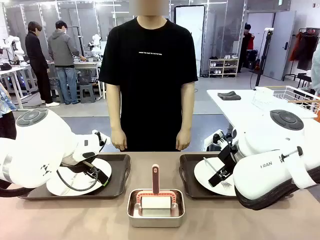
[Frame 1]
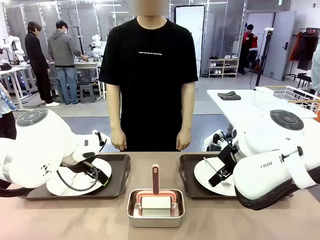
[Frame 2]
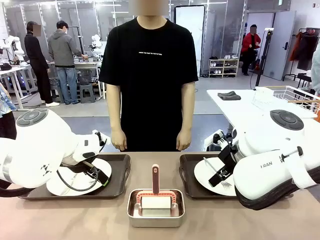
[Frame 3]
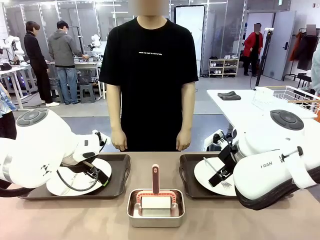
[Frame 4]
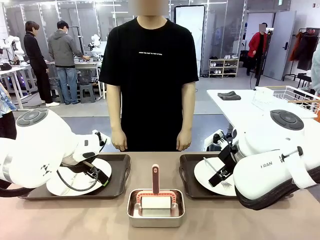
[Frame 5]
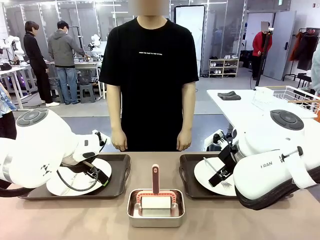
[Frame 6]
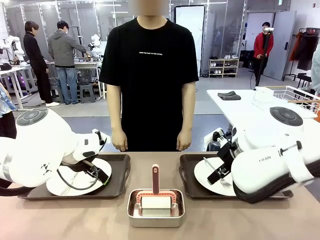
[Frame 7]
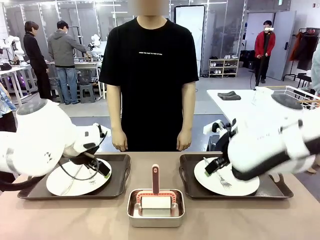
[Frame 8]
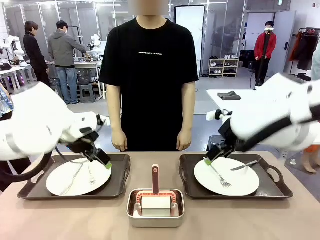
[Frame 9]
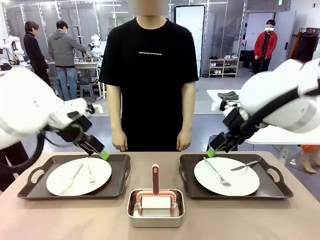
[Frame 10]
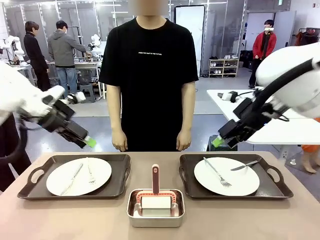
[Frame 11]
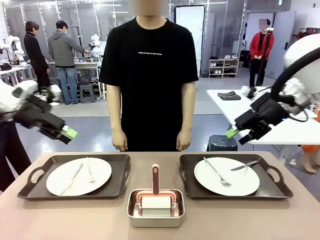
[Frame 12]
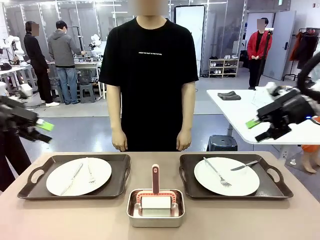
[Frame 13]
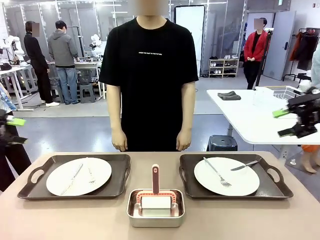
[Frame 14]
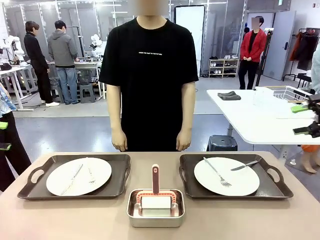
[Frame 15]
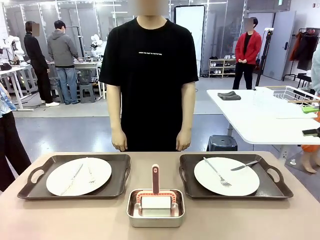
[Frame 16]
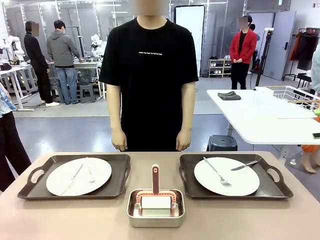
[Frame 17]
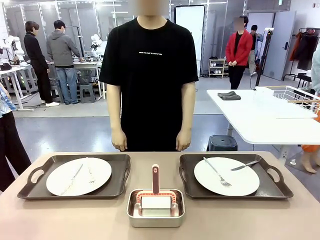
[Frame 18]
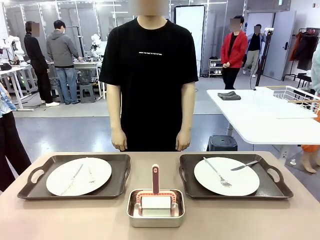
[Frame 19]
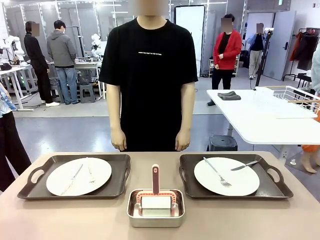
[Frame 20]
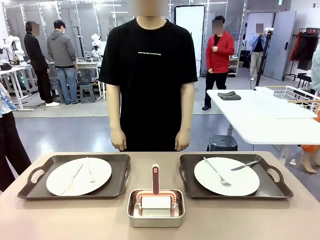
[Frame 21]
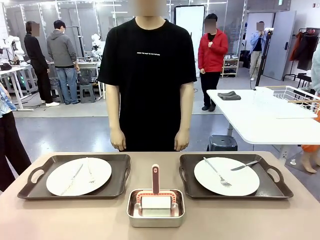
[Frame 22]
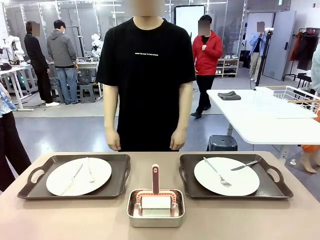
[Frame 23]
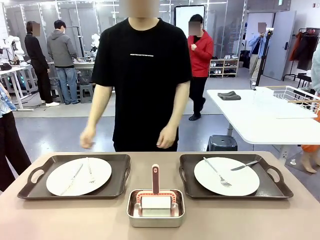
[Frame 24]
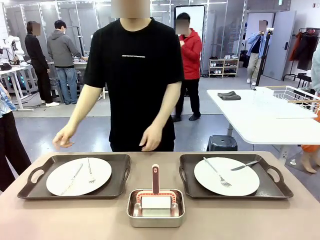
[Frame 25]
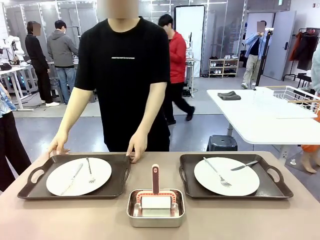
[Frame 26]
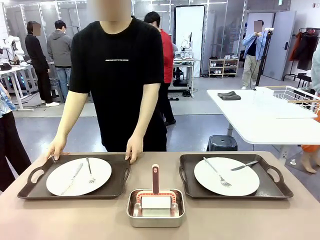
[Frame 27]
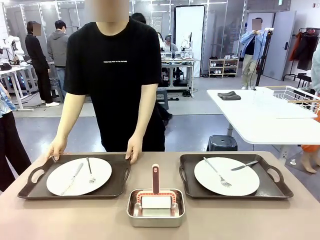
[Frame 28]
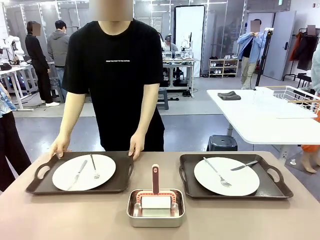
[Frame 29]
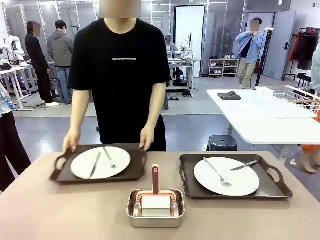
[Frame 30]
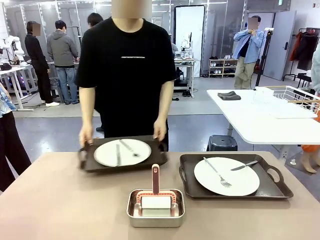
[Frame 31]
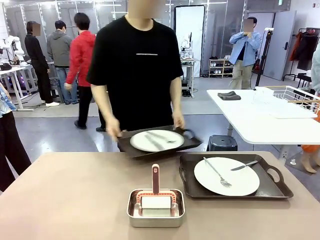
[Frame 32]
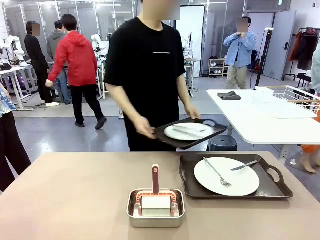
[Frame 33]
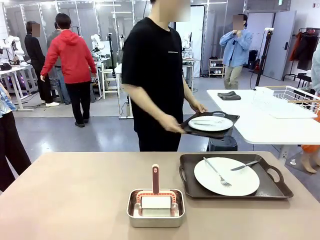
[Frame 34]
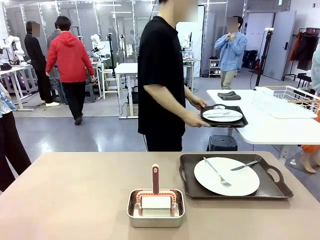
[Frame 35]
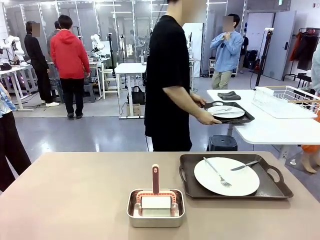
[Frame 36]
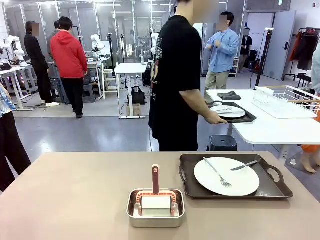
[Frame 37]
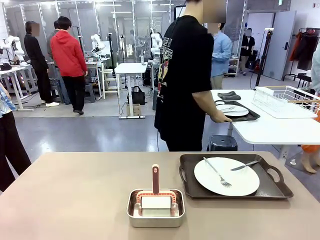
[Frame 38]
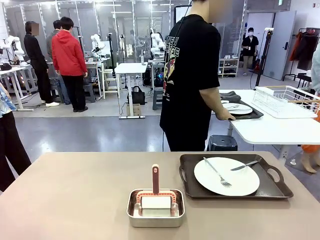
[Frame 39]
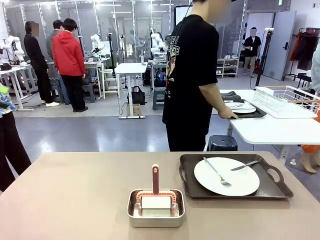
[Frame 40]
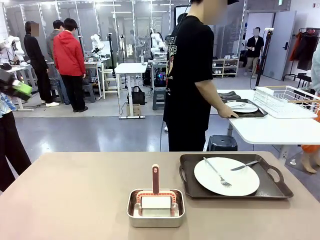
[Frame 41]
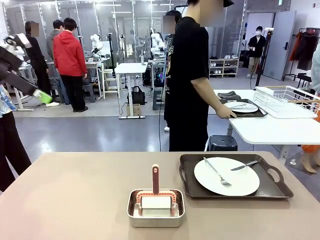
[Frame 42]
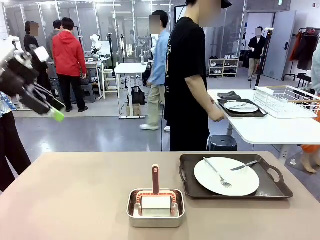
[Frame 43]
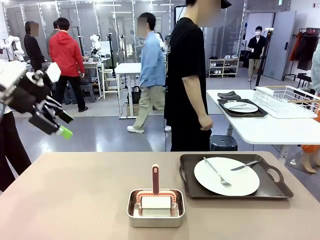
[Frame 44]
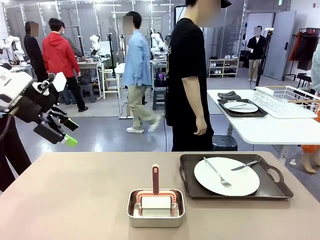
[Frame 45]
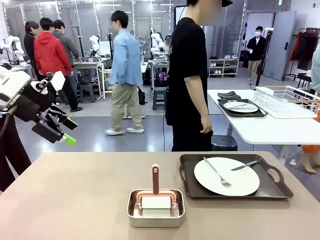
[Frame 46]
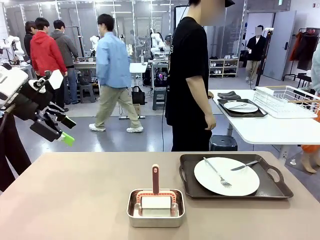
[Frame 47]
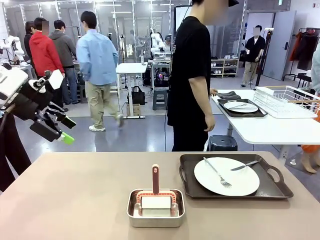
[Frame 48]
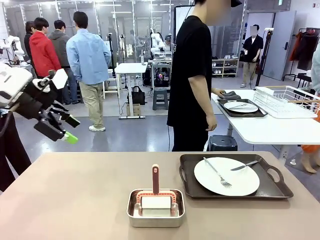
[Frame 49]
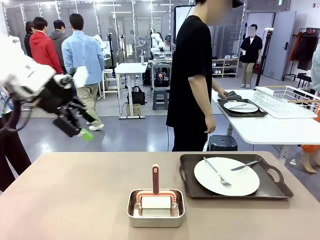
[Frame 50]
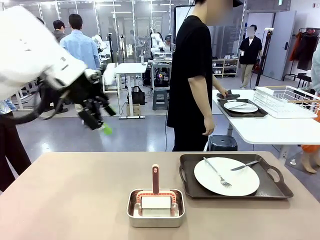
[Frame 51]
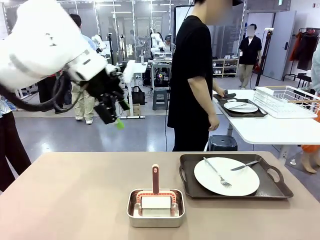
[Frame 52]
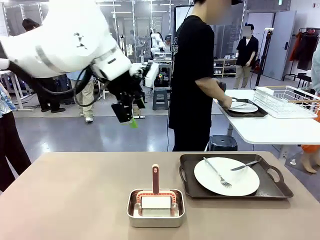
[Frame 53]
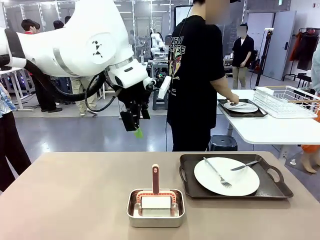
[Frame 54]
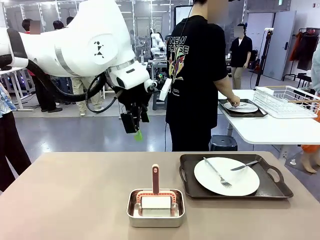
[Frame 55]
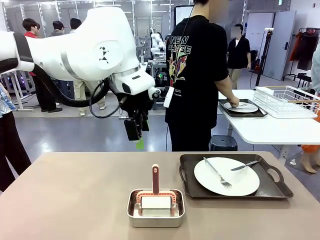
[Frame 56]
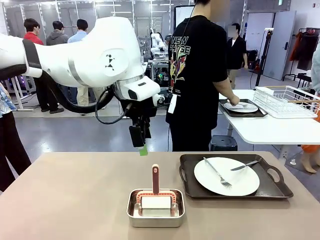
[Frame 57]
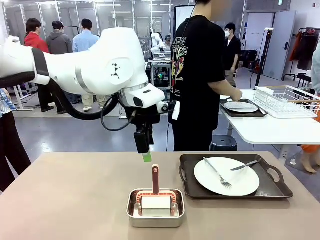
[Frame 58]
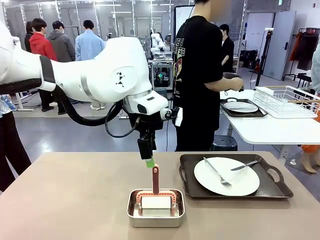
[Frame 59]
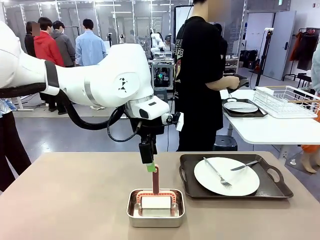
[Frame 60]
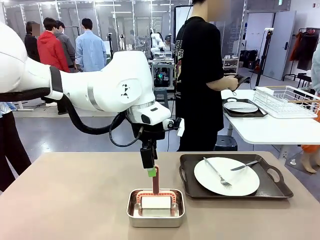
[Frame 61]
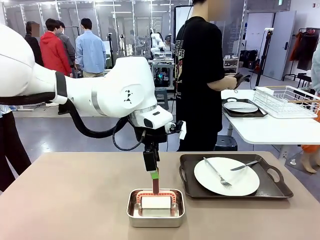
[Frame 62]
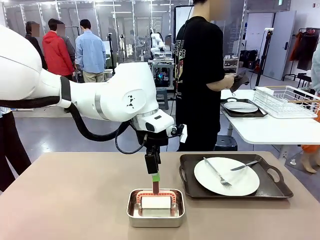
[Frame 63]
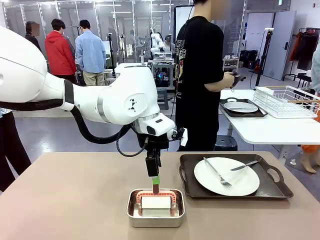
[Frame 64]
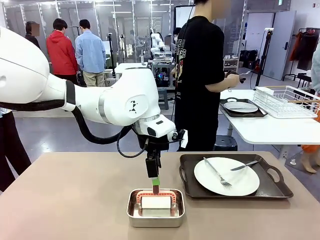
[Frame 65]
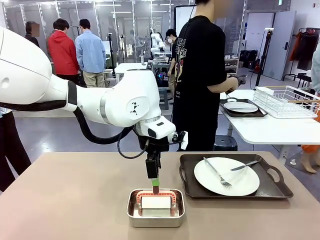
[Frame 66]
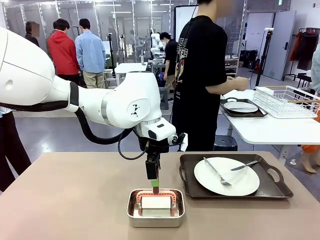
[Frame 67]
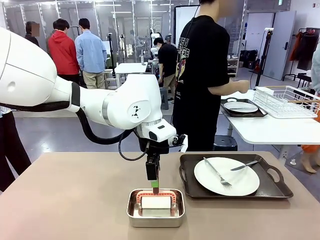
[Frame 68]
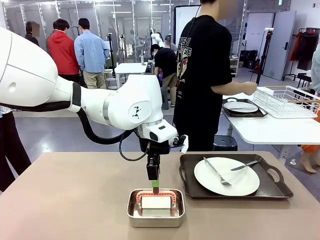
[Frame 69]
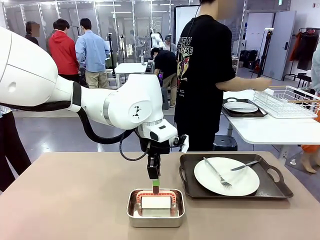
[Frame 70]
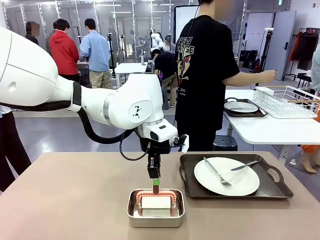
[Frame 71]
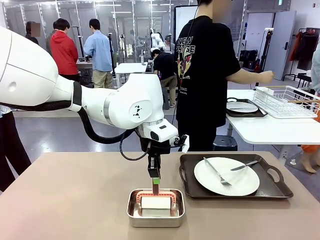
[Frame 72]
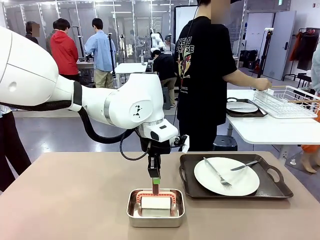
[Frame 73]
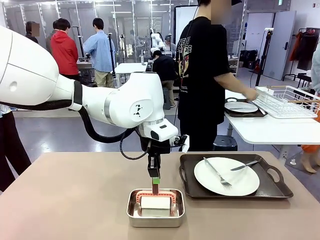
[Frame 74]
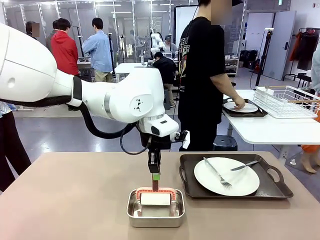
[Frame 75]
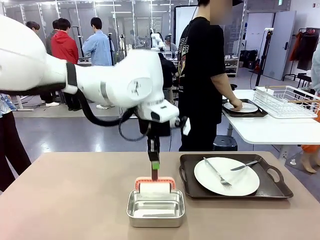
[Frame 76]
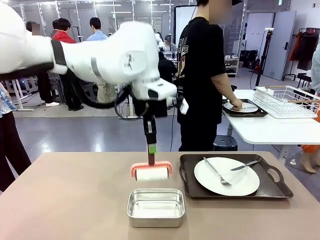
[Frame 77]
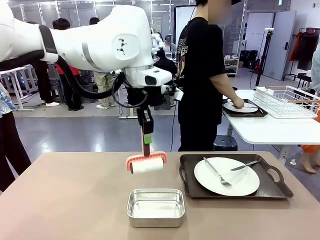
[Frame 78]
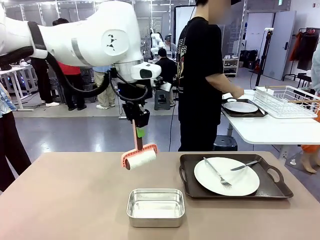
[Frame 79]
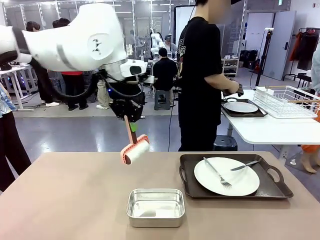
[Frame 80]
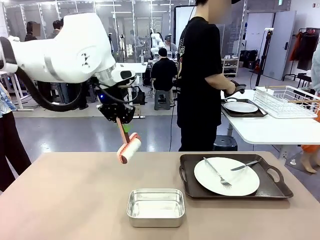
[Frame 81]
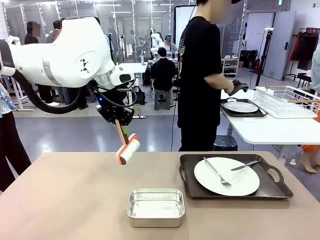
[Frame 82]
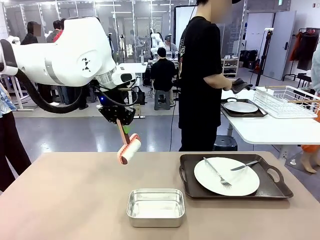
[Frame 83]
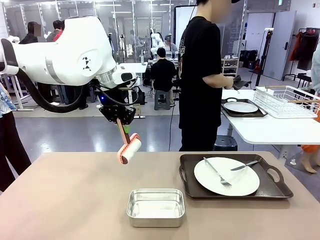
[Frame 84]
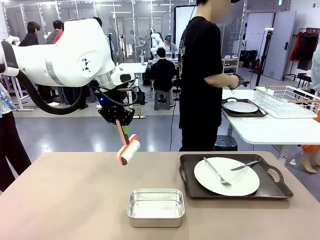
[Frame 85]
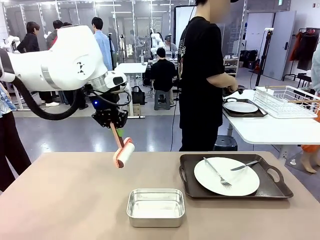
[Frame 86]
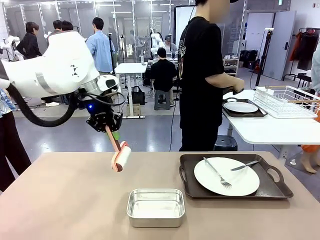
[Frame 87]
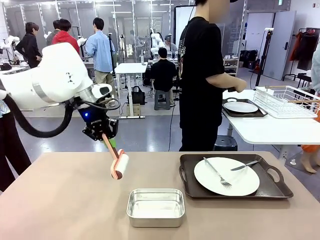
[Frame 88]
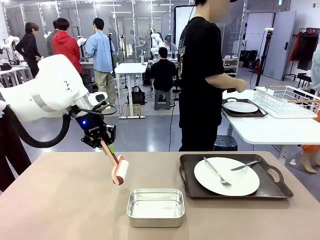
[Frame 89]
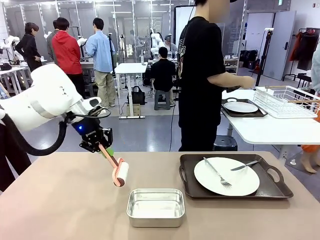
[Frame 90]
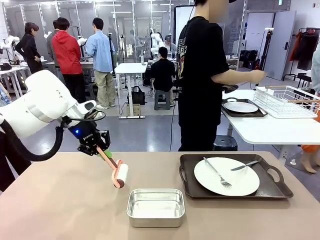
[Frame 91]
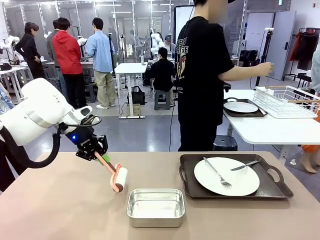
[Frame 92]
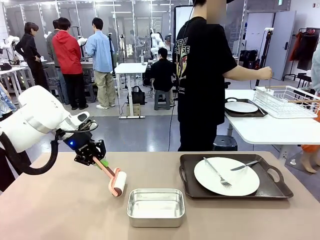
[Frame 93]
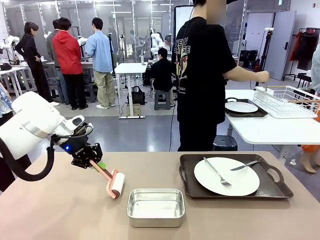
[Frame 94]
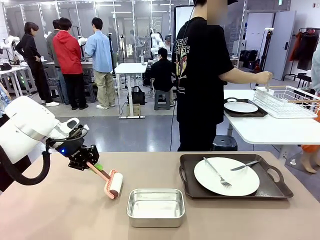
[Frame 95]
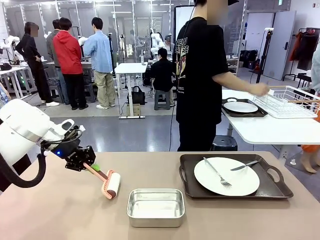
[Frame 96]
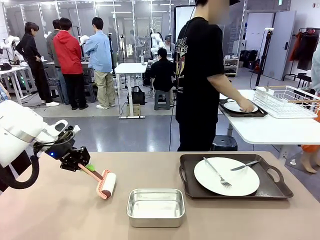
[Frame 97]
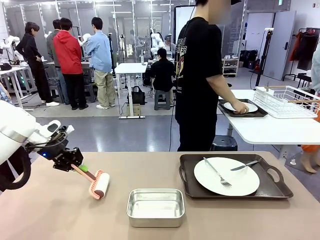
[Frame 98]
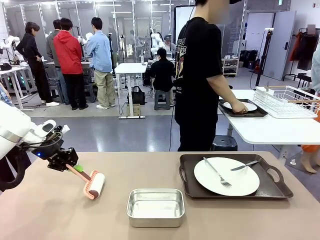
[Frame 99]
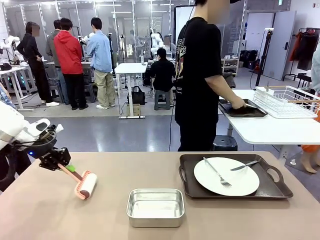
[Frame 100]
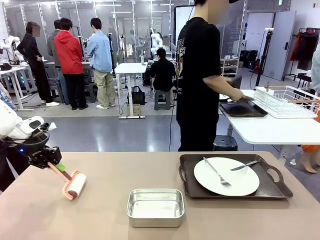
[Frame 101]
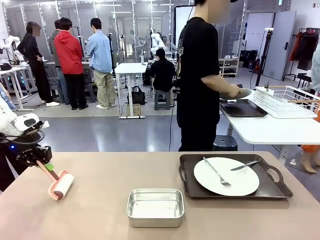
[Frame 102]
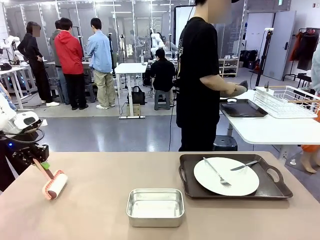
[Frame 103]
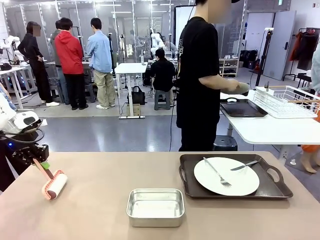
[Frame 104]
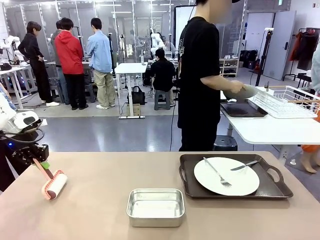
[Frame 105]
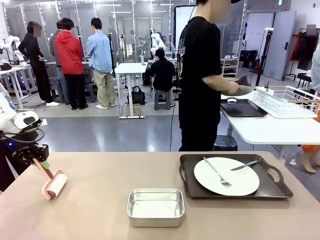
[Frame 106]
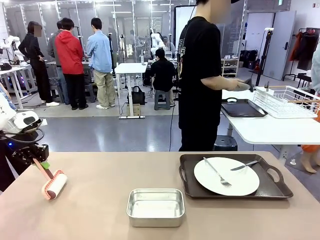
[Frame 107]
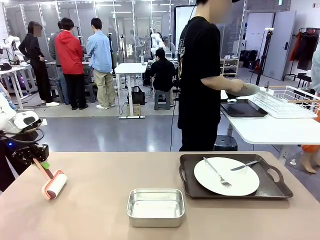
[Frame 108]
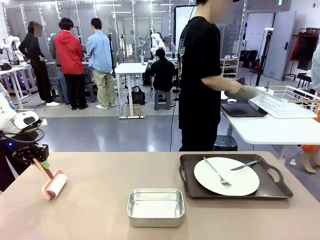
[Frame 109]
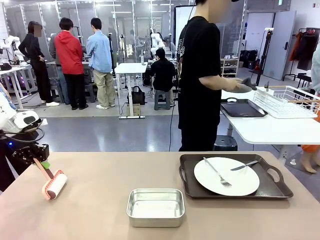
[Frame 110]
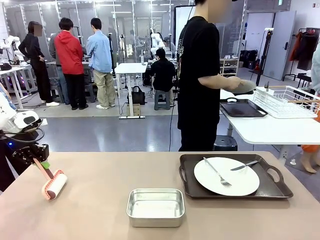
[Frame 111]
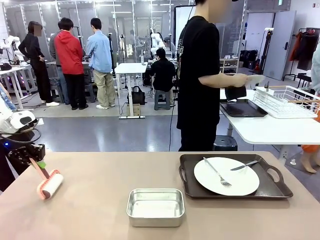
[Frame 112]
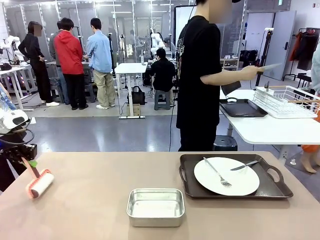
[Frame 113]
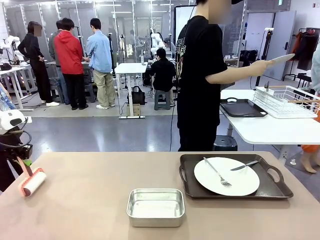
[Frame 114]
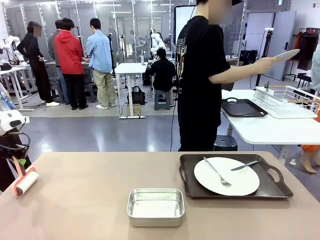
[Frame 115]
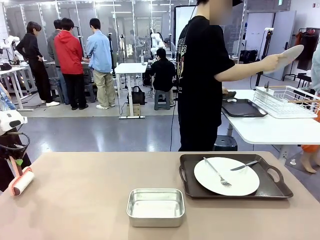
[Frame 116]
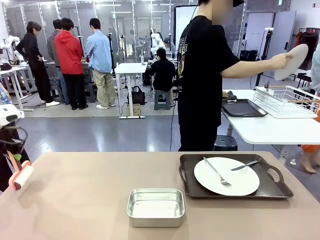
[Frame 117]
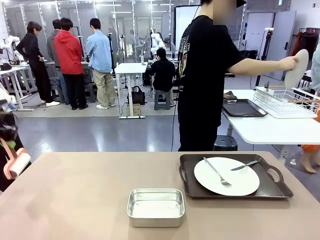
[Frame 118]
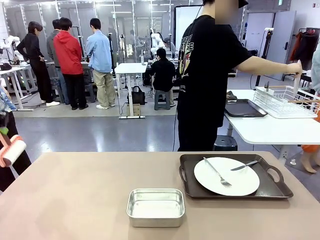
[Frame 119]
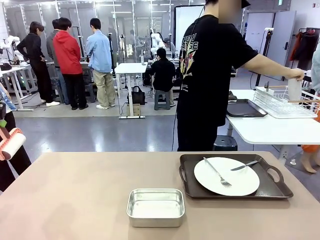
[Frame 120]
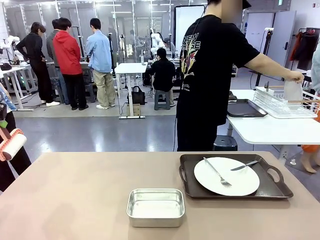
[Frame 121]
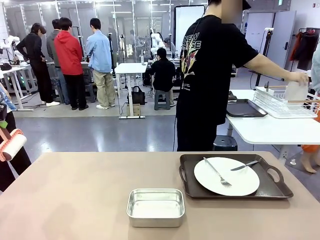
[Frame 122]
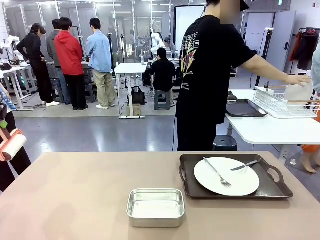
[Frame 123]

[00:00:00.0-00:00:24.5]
Robot: When the left (or right) Handle tray is removed, use the left hand (or right hand) to clean the left (or right) side of the table with the Lint Roller.
Person: Pick up the left (or right) Handle tray and place it on the middle of the Human's table. Use the Towel with hook to wipe the Plastic Matte Plate , Fork , and Knife and place into the Dish drying rack.
